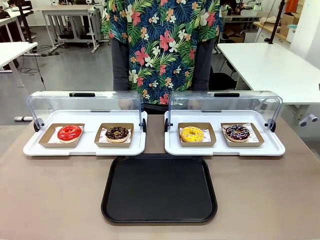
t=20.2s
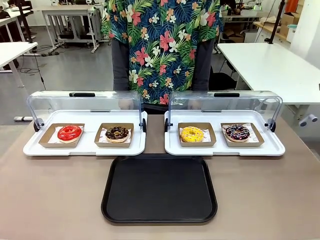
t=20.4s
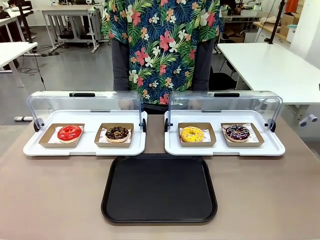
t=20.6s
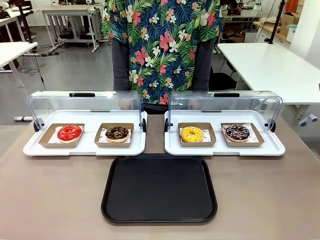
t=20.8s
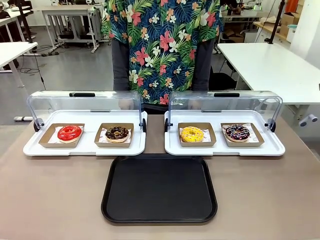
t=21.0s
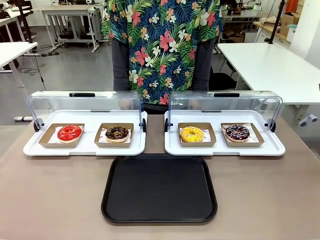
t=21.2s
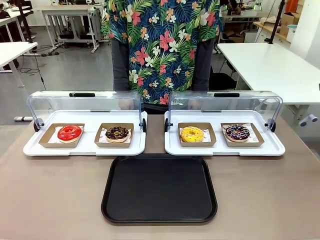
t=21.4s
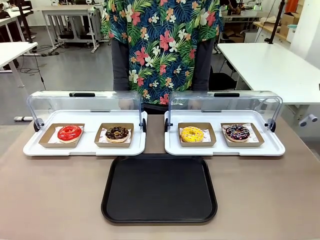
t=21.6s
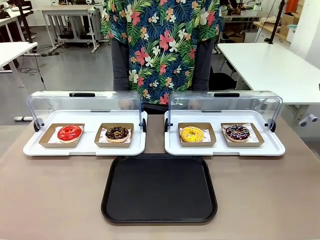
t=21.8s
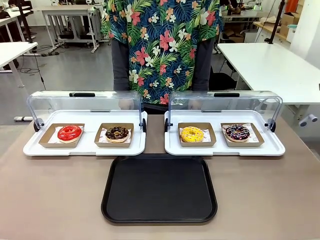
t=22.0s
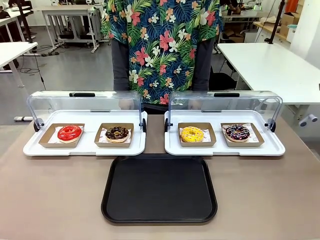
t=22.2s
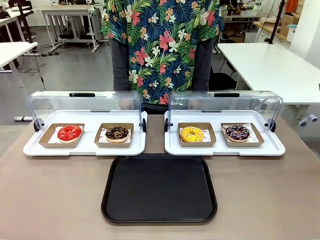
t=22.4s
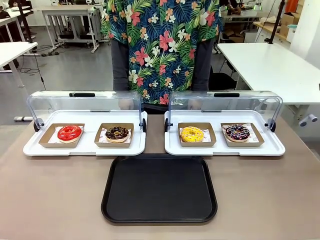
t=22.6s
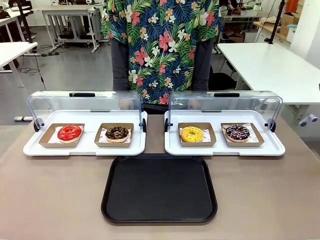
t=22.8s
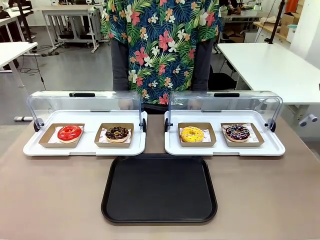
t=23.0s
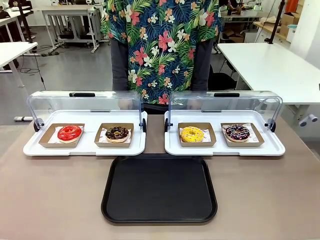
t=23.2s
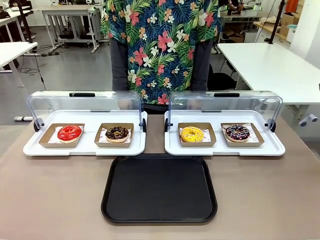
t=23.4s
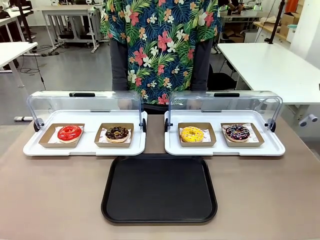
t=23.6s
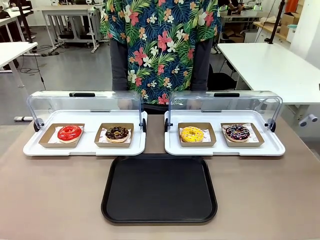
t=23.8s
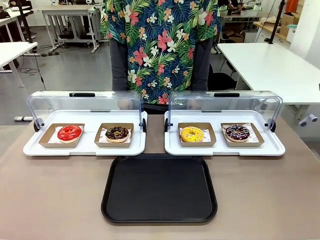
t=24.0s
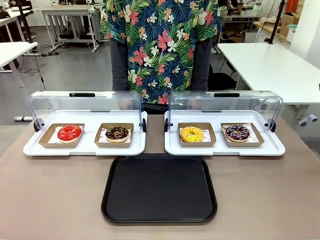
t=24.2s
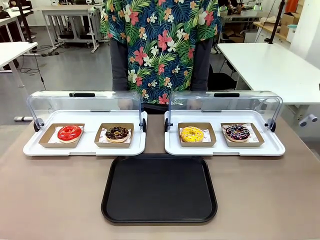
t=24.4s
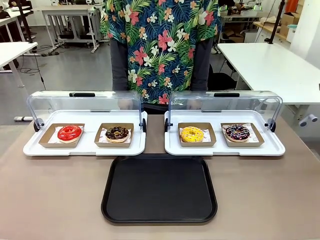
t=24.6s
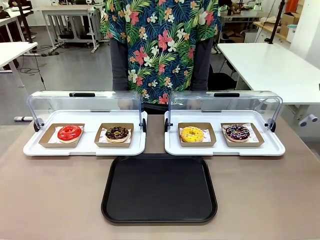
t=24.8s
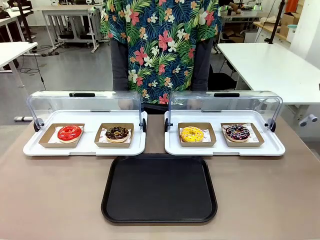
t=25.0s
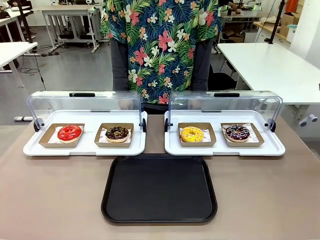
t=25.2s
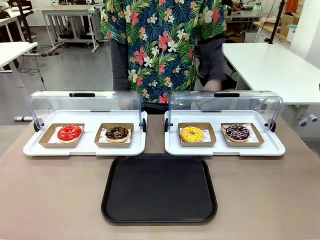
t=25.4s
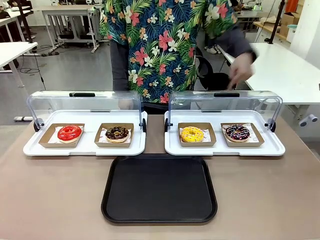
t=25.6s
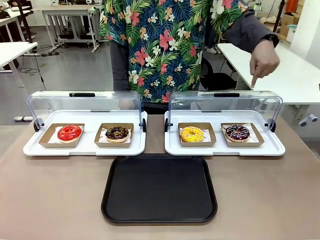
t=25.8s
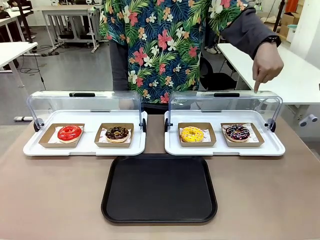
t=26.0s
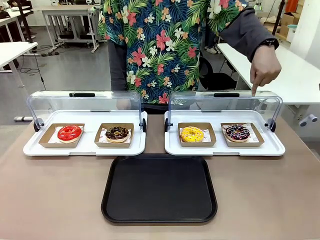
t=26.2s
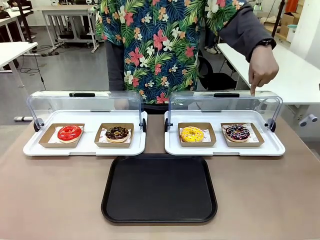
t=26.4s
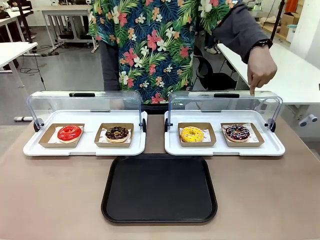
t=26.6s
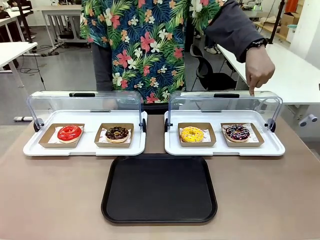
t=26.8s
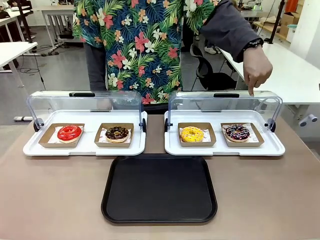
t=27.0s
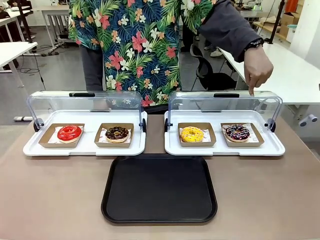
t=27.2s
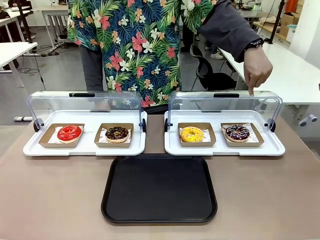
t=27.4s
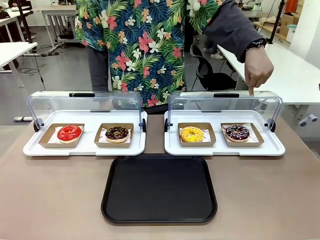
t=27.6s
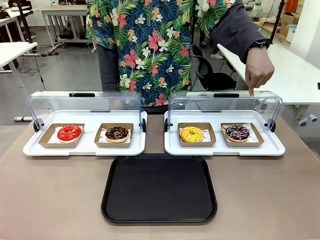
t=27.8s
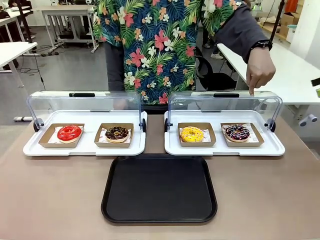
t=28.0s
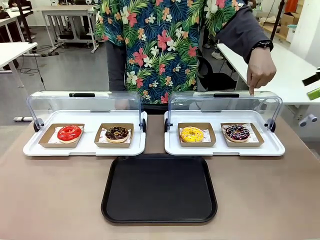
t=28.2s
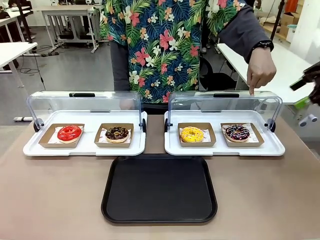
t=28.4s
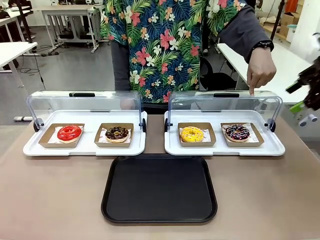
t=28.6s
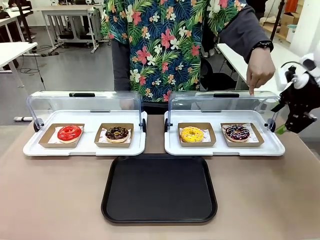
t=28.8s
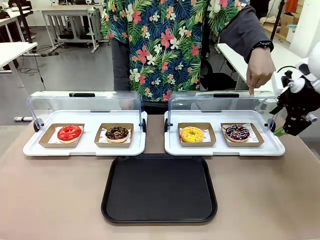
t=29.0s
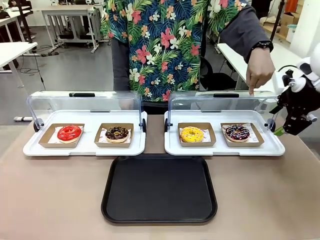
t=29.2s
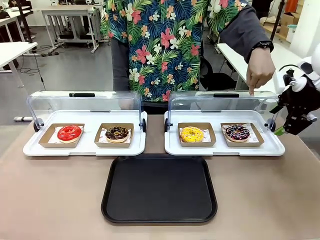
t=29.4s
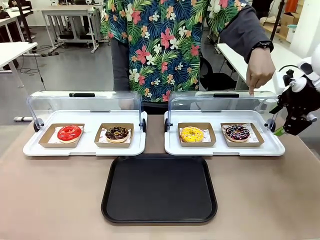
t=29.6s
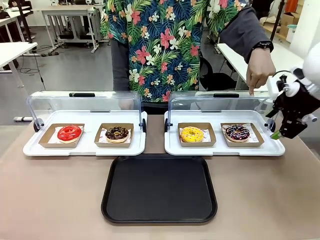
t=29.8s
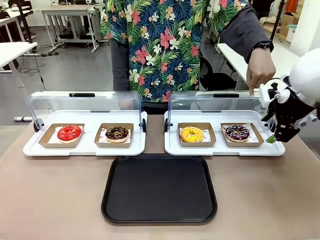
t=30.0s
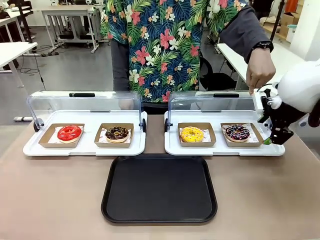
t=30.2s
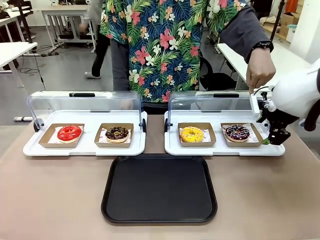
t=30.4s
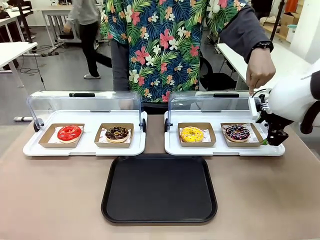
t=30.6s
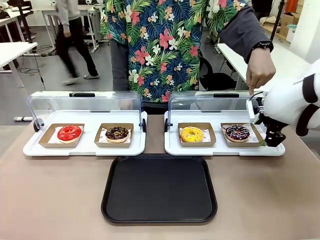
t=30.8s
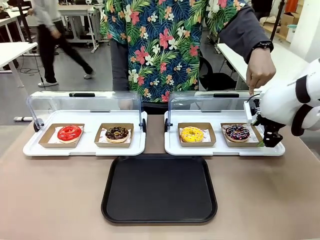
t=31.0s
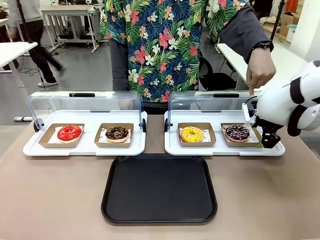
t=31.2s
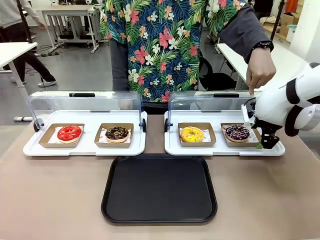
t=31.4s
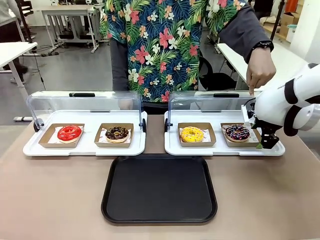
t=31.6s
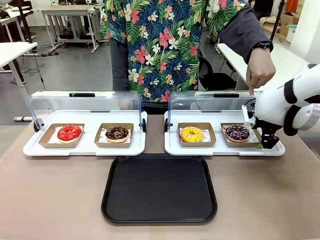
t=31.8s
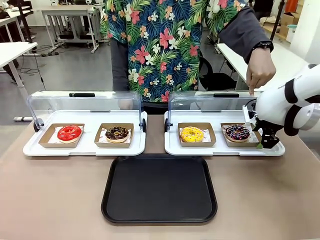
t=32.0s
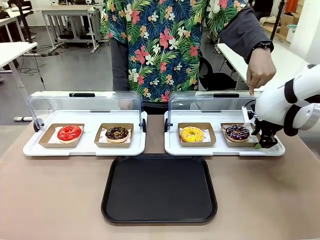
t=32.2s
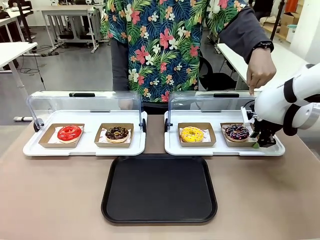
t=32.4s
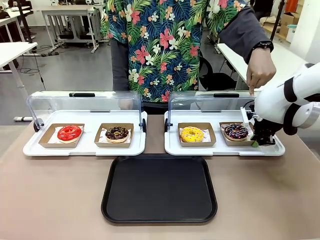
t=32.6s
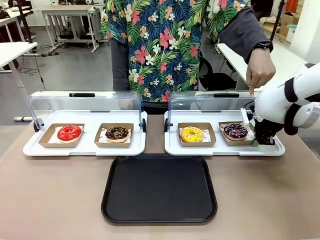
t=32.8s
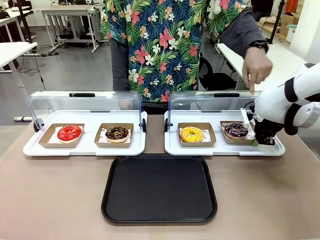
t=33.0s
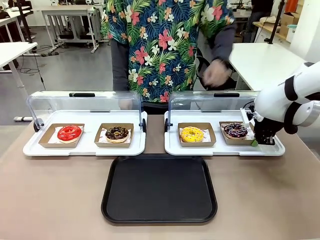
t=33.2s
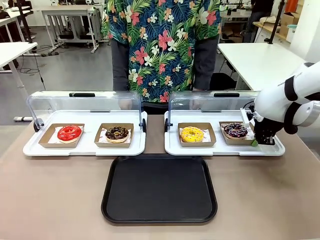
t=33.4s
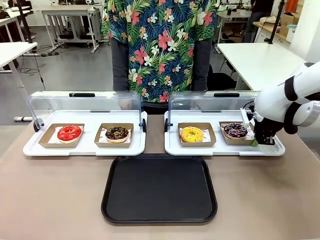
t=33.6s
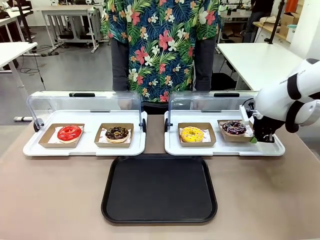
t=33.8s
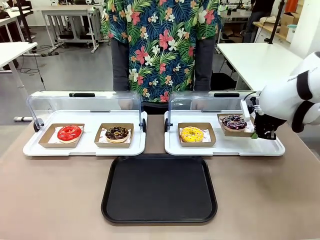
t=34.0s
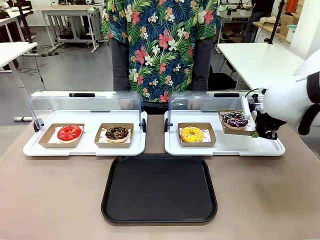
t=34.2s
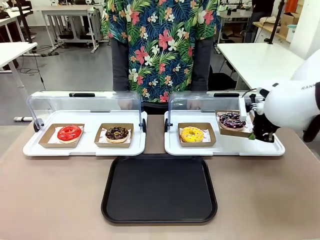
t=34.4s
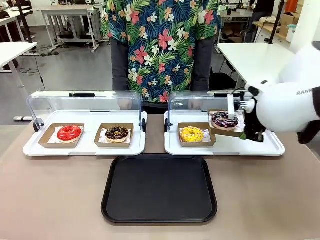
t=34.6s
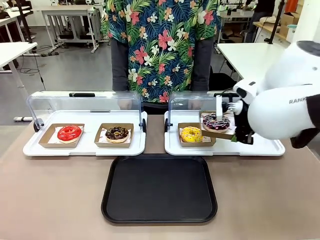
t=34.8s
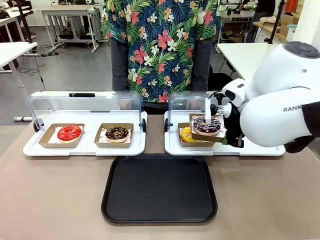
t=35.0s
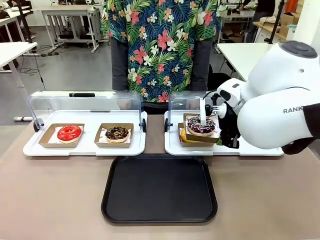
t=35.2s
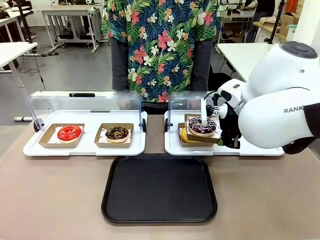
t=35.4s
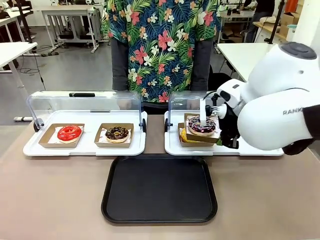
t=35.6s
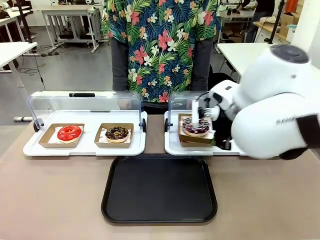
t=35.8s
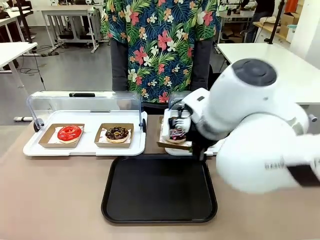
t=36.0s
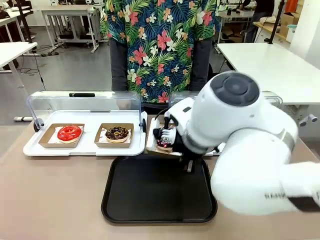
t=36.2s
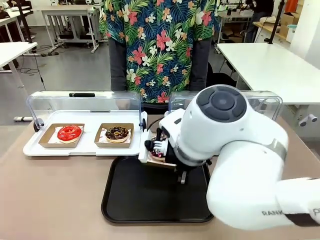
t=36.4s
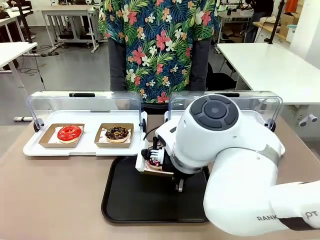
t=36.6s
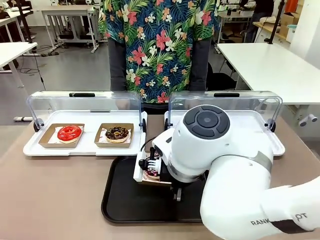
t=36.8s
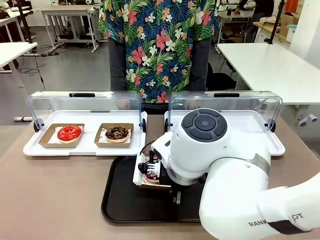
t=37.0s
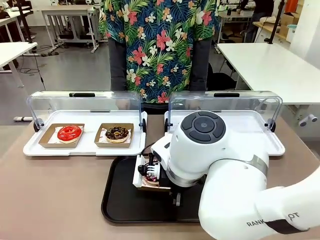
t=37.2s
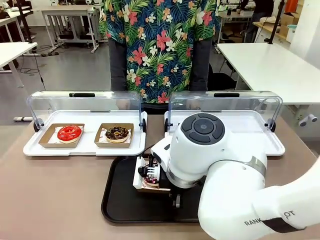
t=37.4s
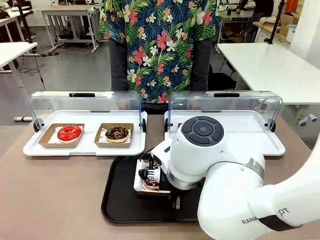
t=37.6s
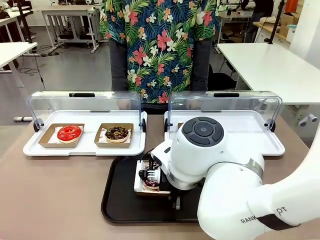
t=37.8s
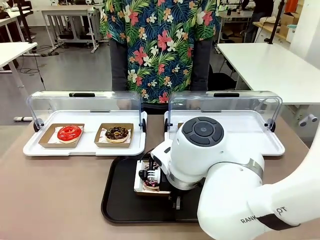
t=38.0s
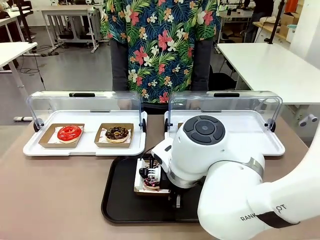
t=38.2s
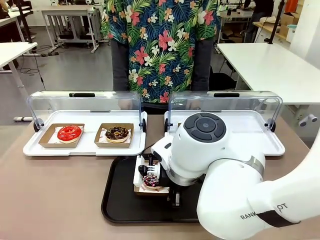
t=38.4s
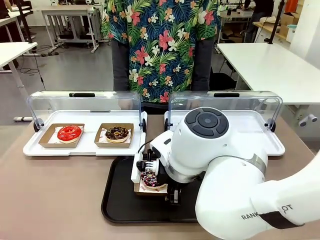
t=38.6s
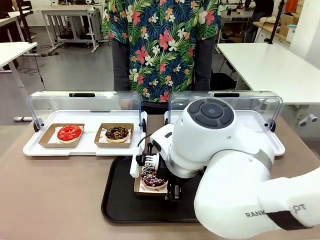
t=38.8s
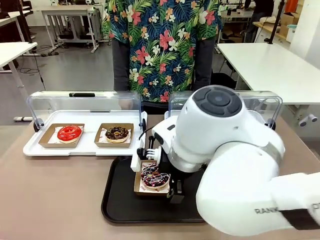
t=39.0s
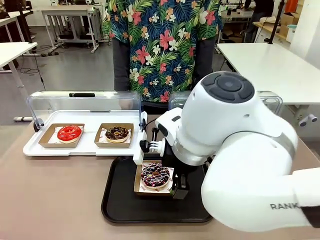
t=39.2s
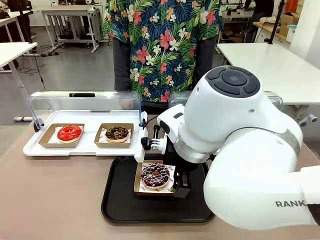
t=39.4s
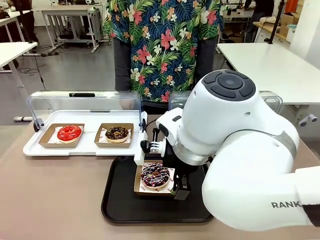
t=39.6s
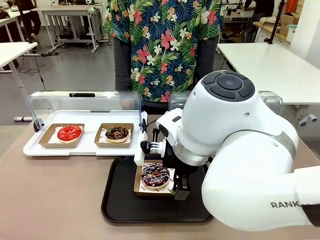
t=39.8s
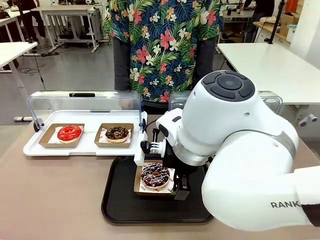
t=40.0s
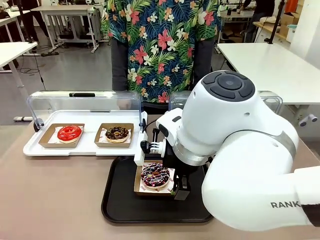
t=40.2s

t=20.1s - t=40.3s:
Task: Move the fourth donut from the left to the tray.
Robot: Pick up the Paper togo box containing the Donut indicated by the person and place it on the Handle tray.
Person: Points to the fourth donut from the left from the robot’s perspective.
